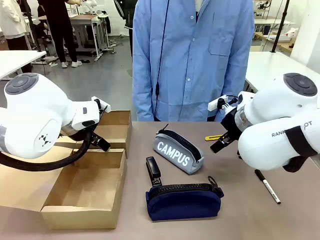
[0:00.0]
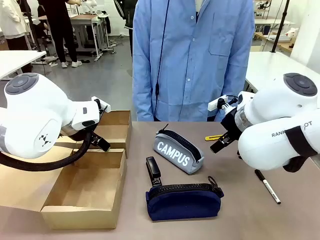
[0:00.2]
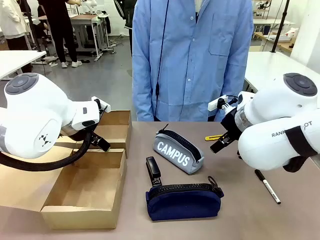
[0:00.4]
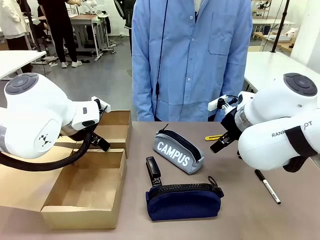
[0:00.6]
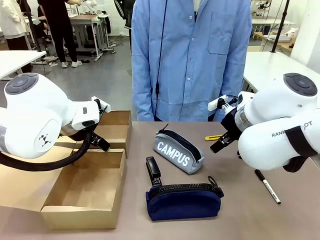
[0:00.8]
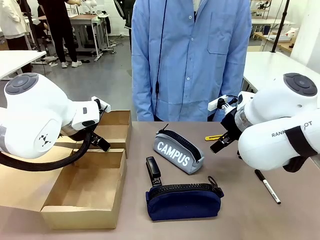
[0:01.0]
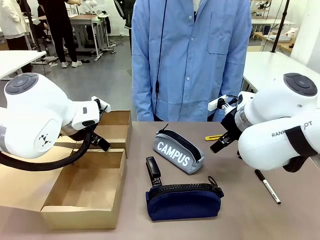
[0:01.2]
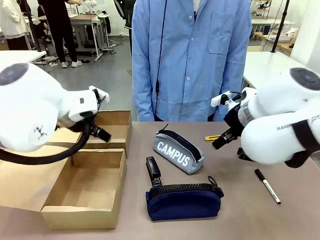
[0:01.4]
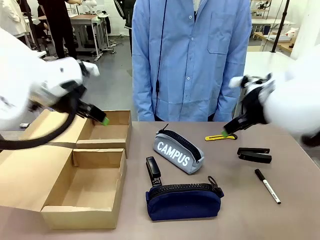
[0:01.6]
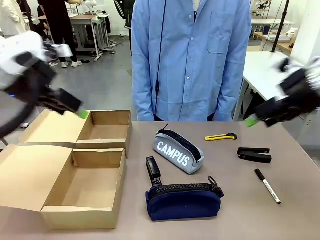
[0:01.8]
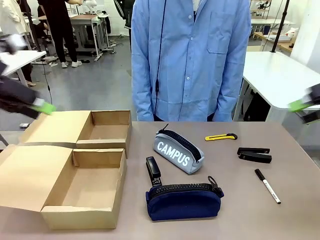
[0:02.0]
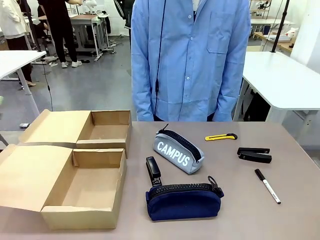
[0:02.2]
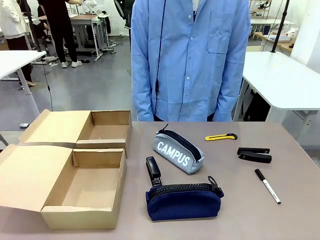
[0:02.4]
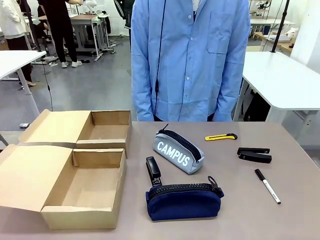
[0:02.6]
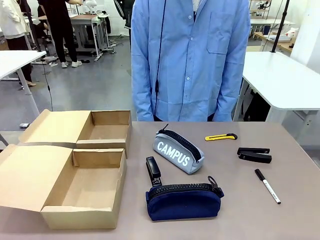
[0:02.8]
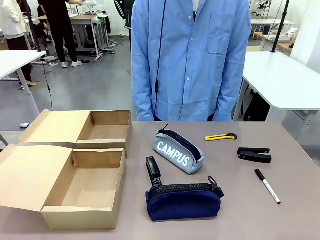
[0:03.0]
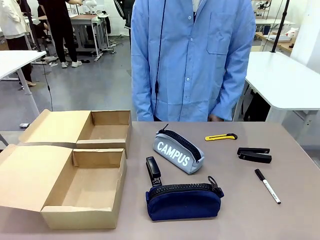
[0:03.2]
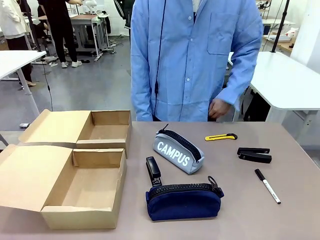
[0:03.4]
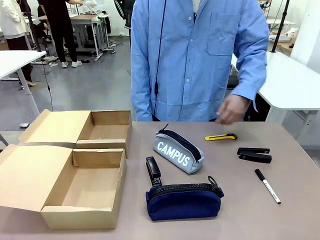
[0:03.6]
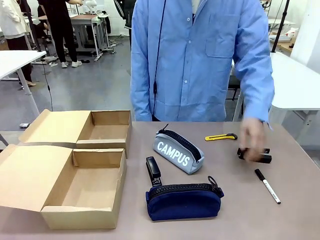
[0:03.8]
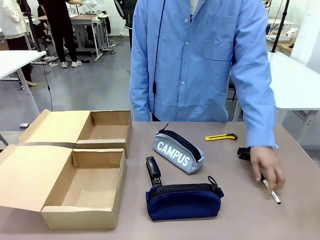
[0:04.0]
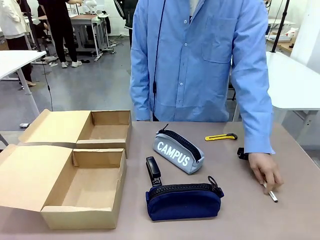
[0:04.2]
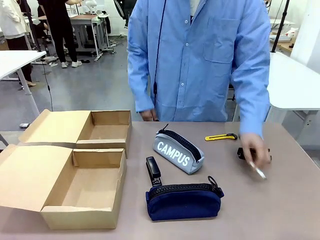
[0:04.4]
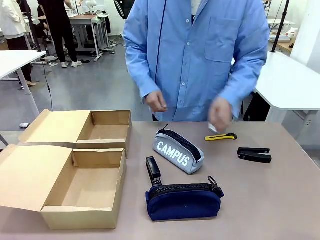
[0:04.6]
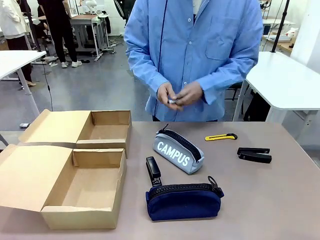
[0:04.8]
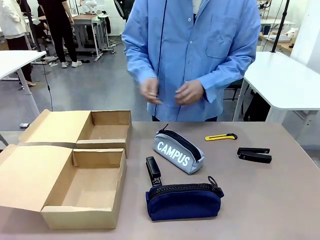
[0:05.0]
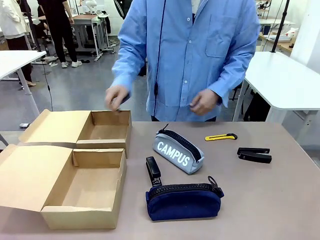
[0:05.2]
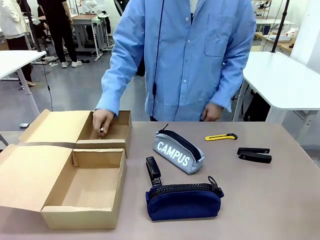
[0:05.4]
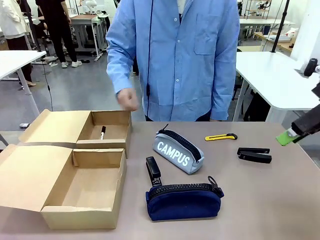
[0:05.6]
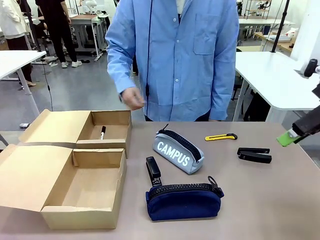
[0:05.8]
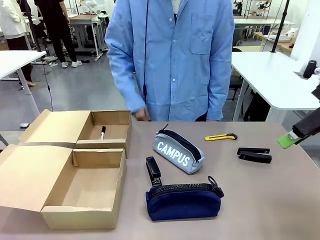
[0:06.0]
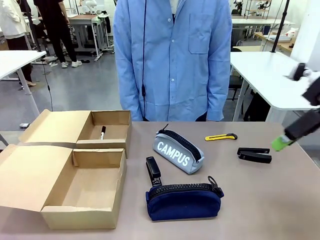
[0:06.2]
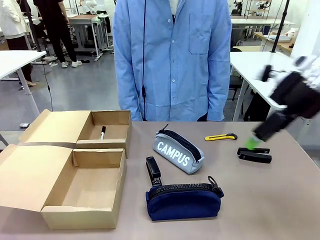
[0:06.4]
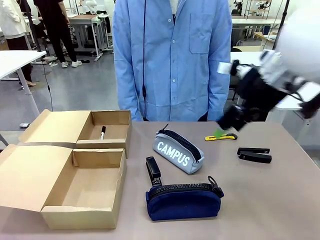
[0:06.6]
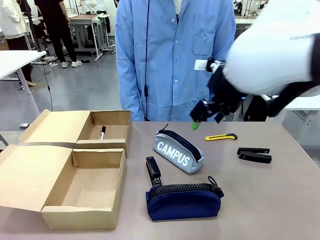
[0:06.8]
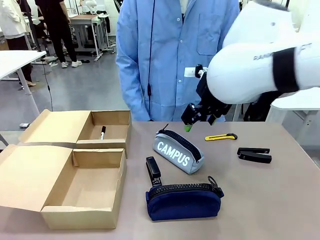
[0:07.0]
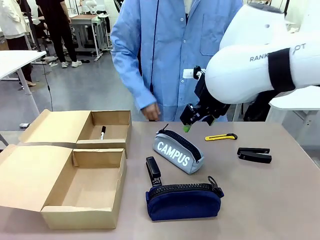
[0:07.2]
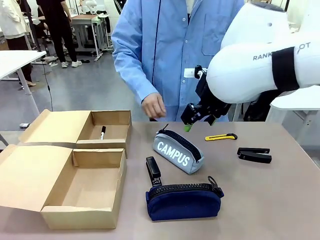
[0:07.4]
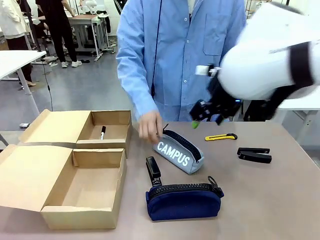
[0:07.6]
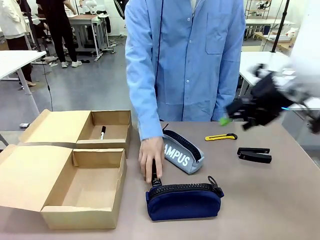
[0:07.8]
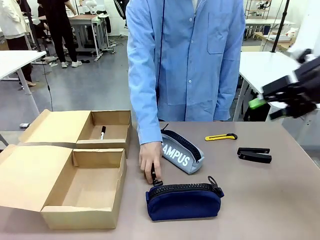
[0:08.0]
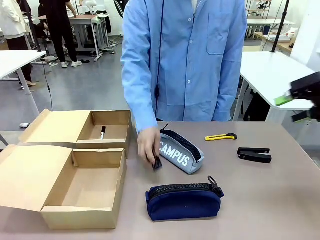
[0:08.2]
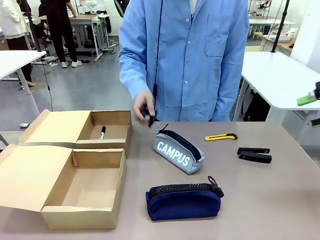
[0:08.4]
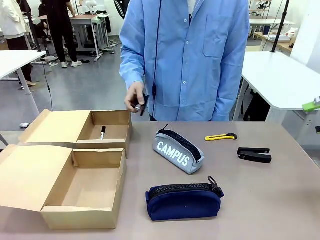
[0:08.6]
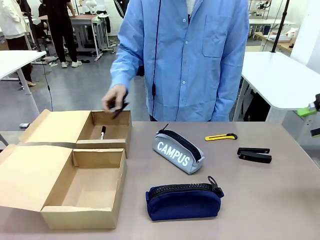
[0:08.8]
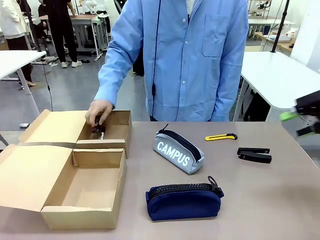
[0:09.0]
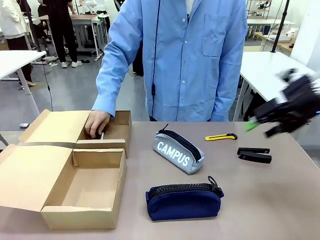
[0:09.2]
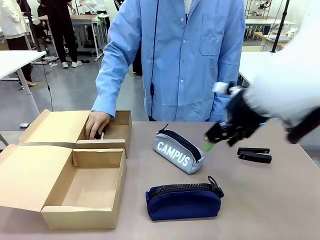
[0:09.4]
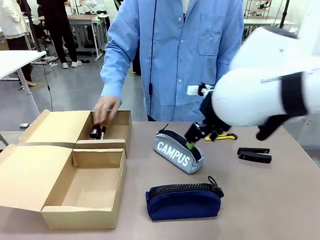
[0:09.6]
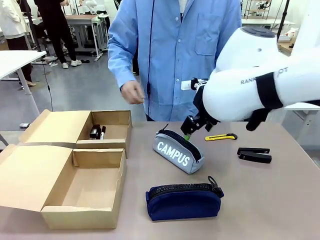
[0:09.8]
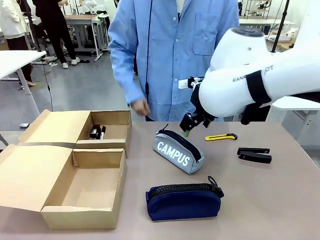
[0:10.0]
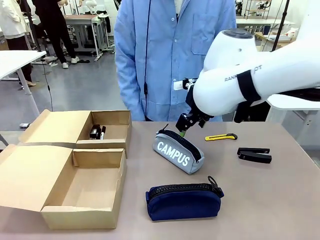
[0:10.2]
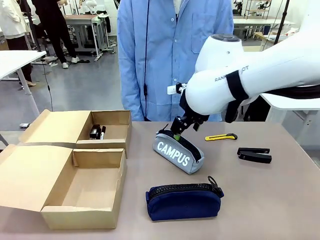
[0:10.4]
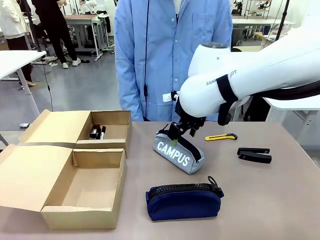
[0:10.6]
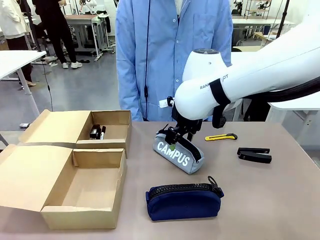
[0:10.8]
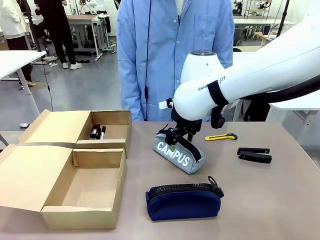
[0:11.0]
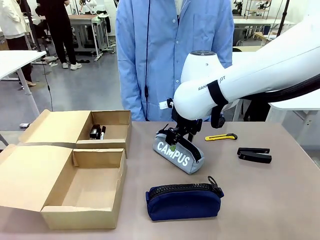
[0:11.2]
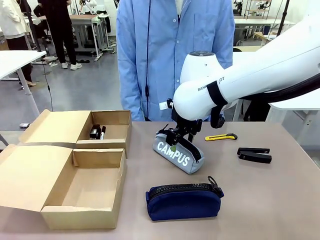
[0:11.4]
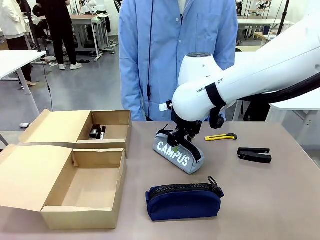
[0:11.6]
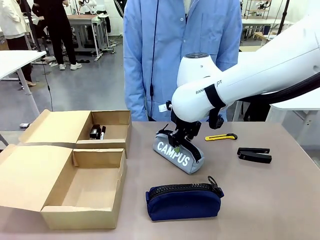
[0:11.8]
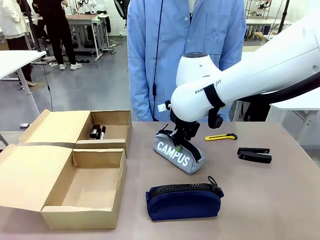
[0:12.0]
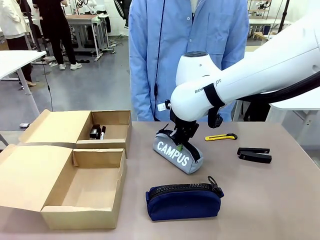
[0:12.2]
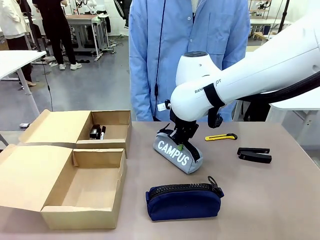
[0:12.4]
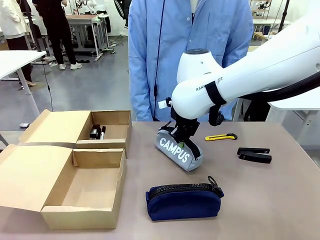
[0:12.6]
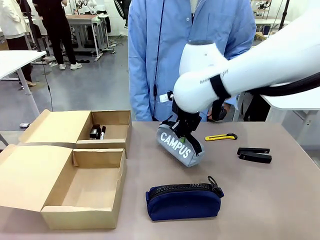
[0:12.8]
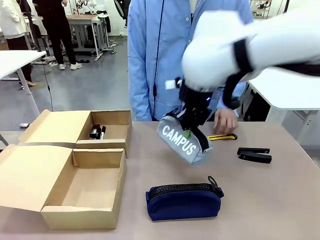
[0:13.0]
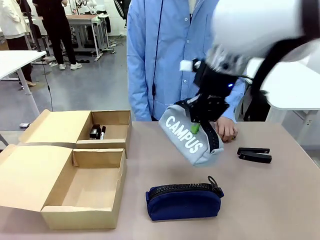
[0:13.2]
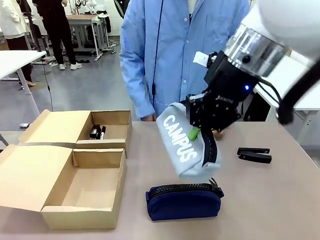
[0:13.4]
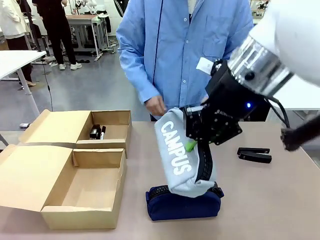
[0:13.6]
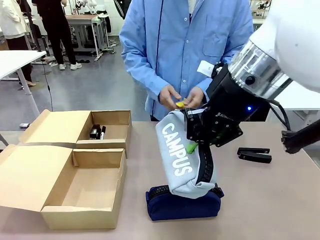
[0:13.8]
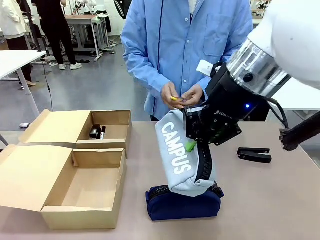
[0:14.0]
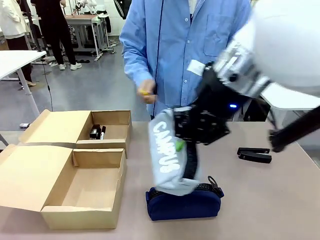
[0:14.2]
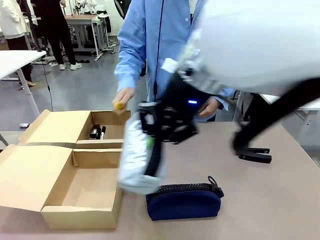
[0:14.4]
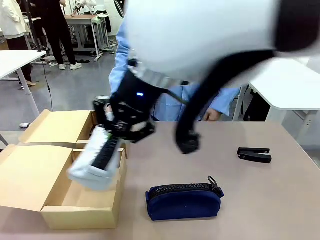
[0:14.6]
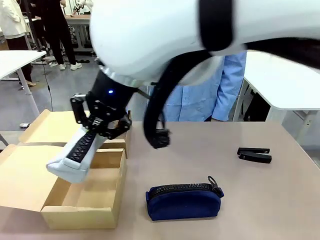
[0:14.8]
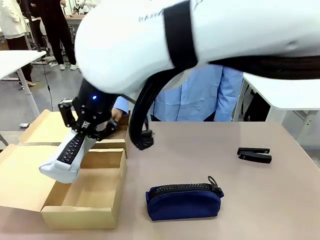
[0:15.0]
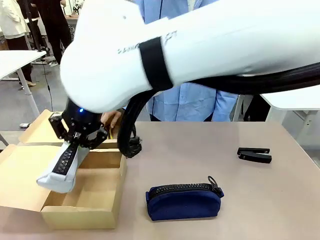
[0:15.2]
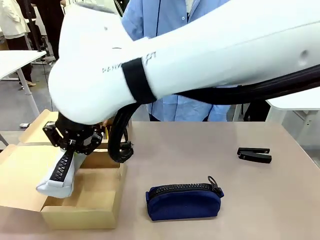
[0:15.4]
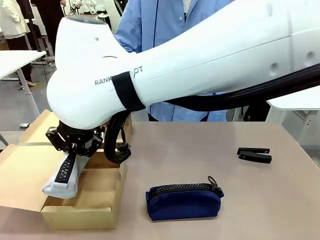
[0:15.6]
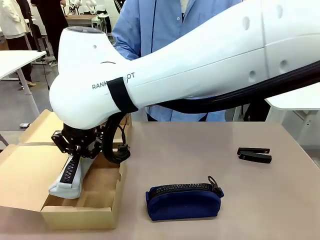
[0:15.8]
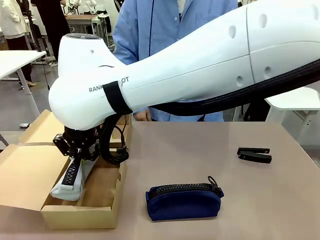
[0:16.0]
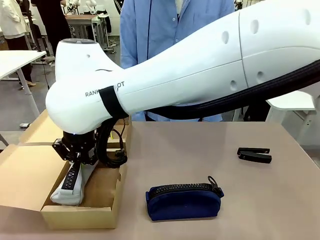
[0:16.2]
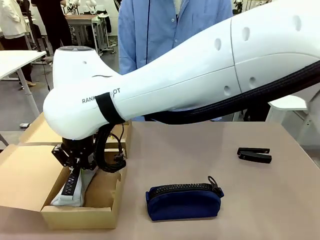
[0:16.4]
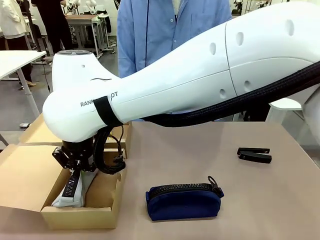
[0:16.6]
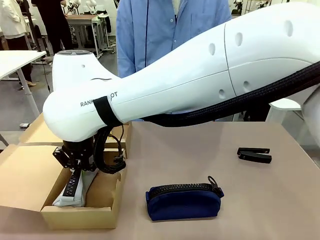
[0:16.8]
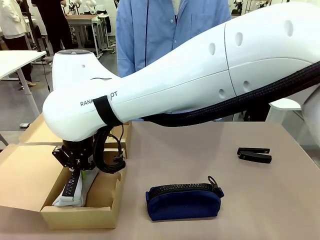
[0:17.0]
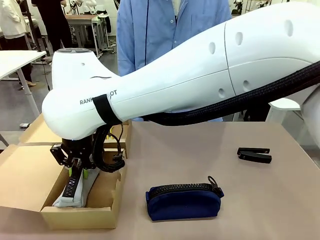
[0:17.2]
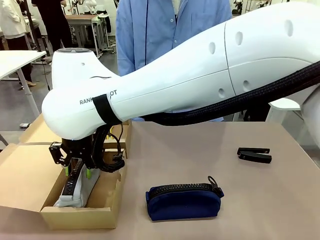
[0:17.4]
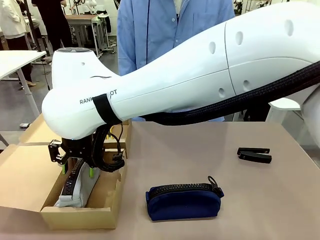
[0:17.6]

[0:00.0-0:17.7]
Task: Place items inside the box.
Robot: Pick up a Pencil pouch or Stapler and place it inside the Mailer Box closest to the robot.
Person: Pick up an object on the table and put it in the box.
